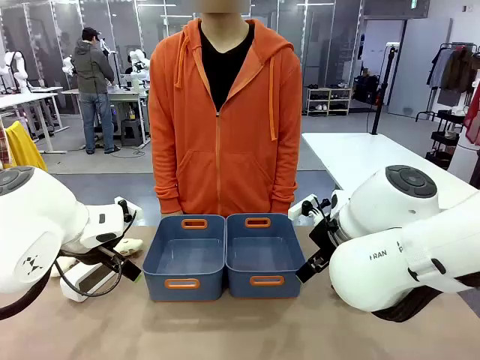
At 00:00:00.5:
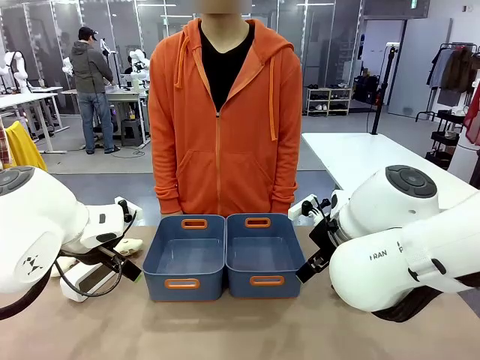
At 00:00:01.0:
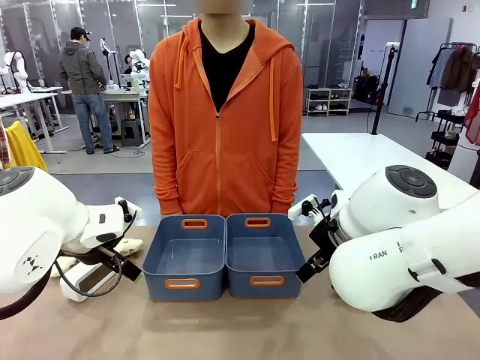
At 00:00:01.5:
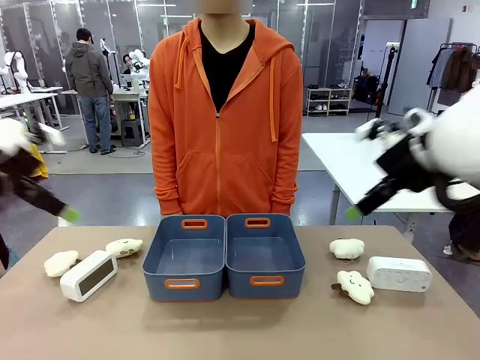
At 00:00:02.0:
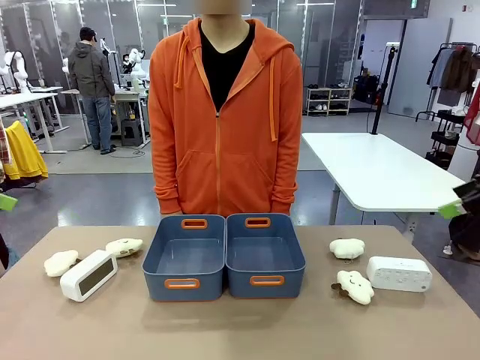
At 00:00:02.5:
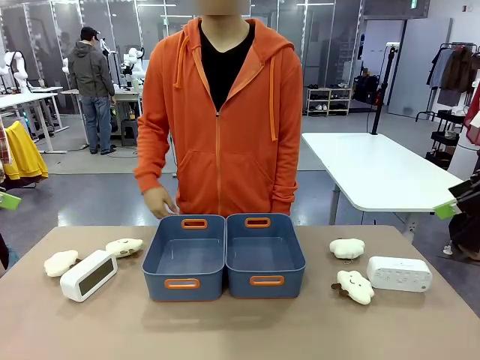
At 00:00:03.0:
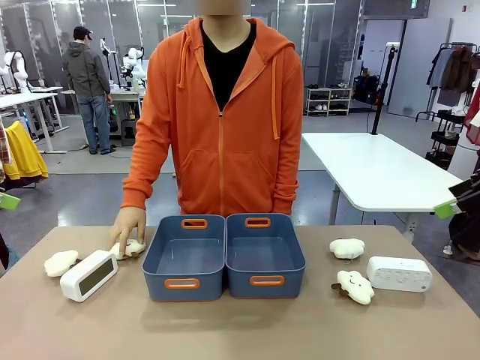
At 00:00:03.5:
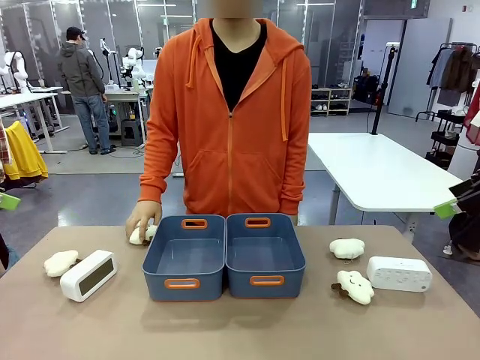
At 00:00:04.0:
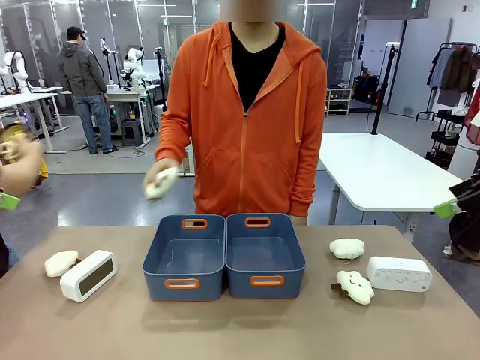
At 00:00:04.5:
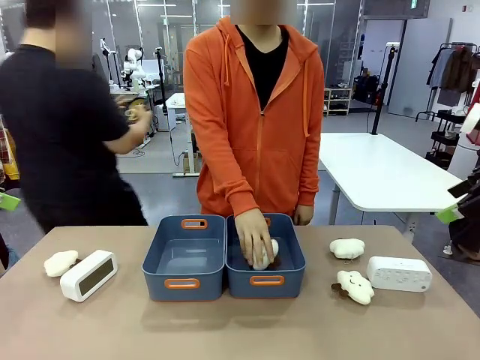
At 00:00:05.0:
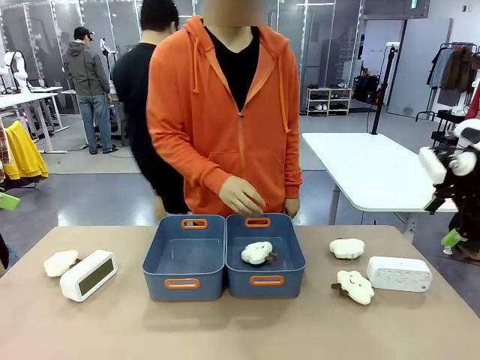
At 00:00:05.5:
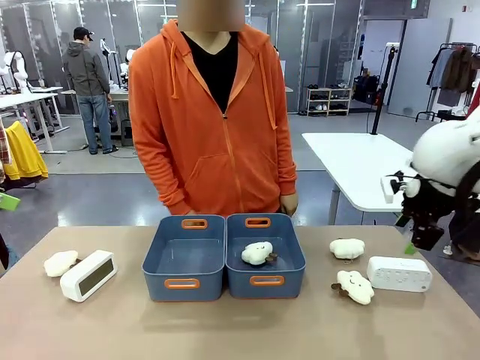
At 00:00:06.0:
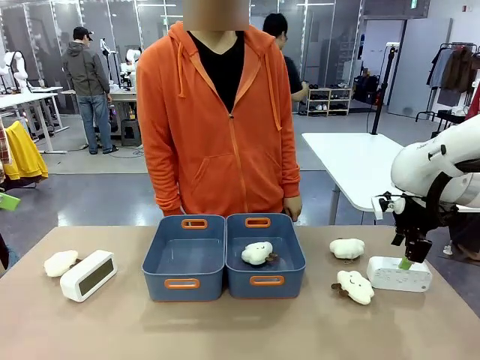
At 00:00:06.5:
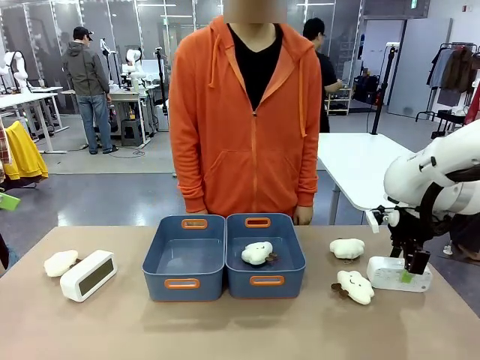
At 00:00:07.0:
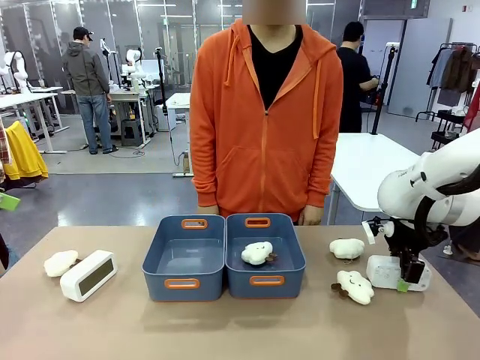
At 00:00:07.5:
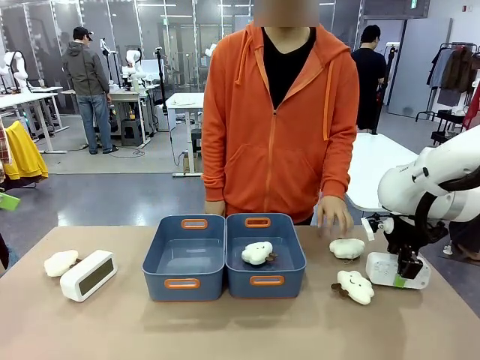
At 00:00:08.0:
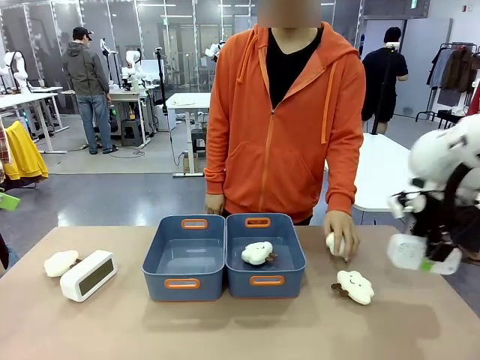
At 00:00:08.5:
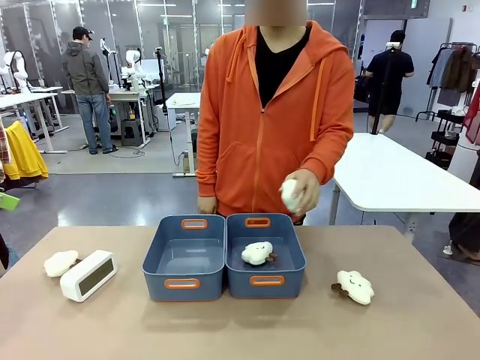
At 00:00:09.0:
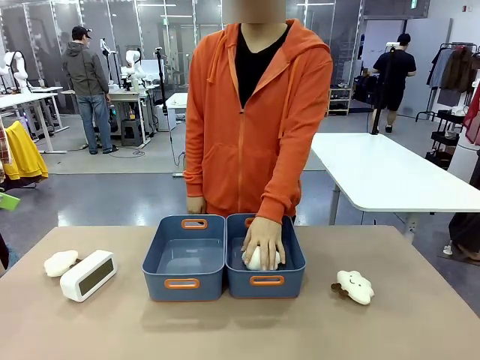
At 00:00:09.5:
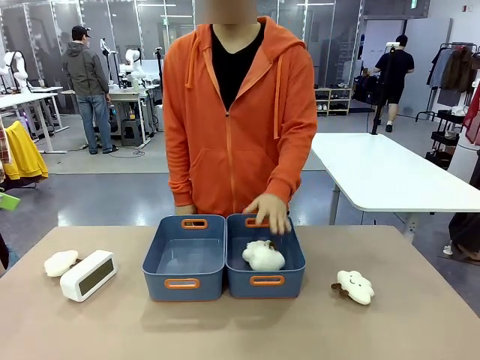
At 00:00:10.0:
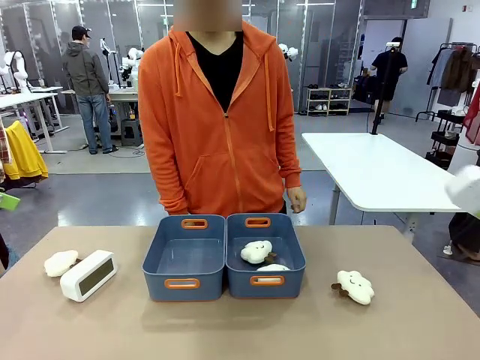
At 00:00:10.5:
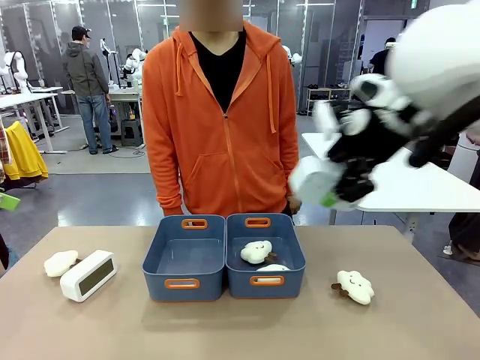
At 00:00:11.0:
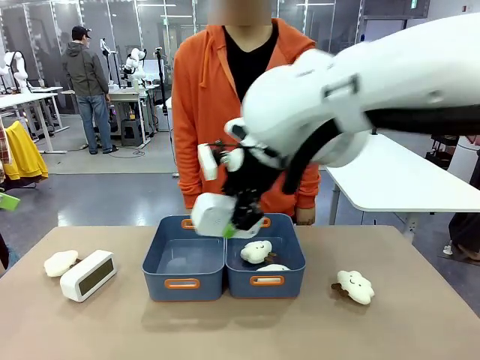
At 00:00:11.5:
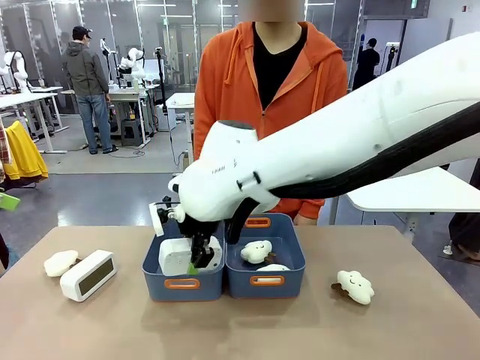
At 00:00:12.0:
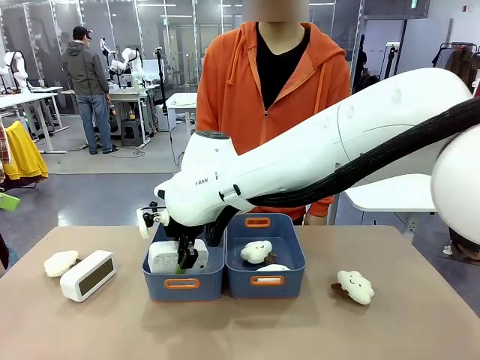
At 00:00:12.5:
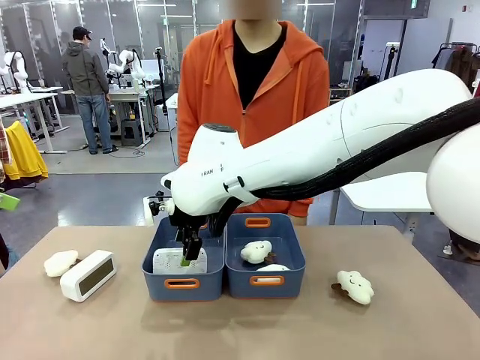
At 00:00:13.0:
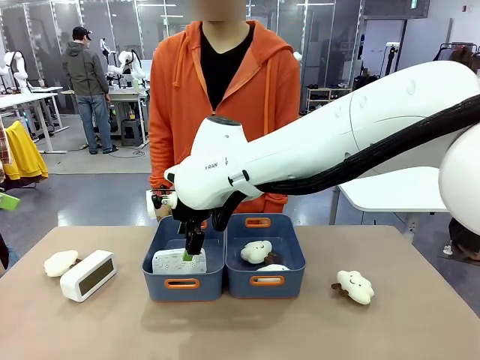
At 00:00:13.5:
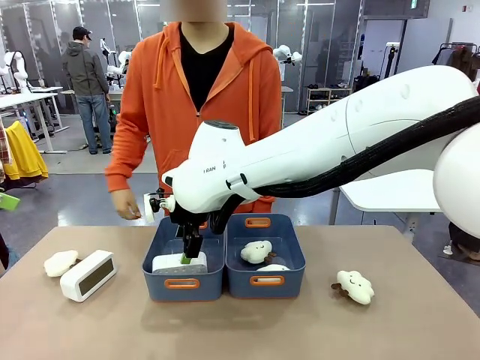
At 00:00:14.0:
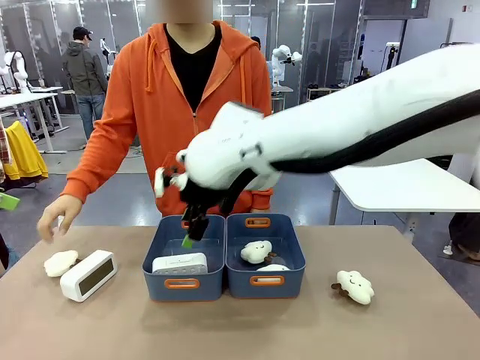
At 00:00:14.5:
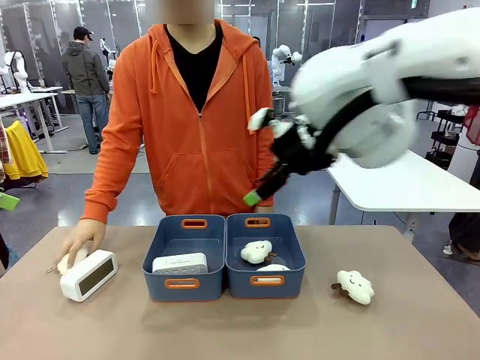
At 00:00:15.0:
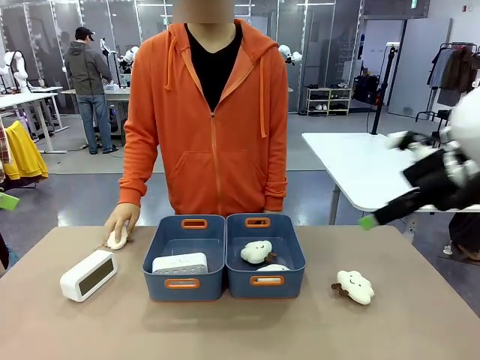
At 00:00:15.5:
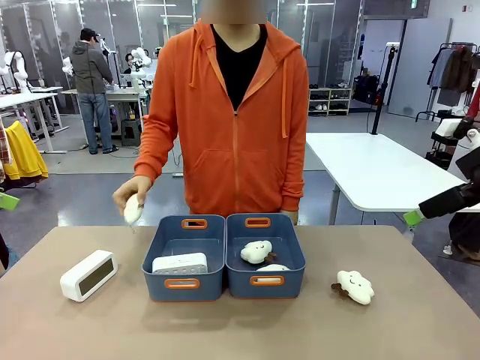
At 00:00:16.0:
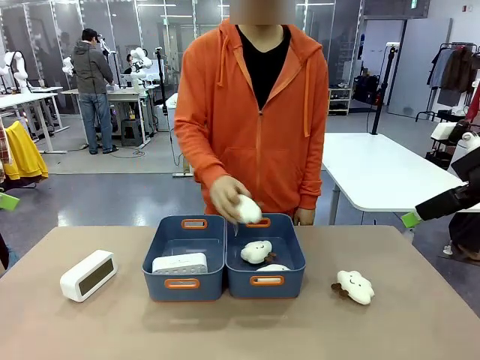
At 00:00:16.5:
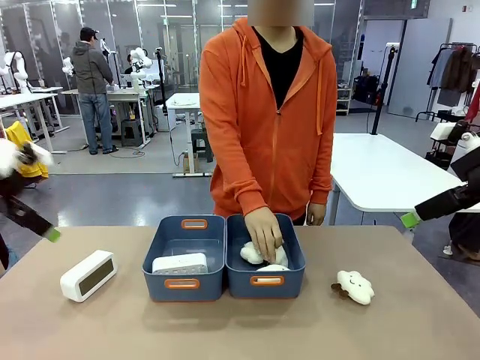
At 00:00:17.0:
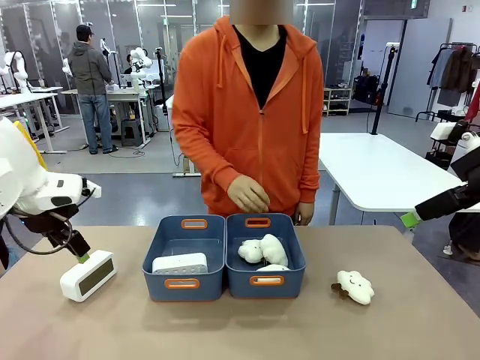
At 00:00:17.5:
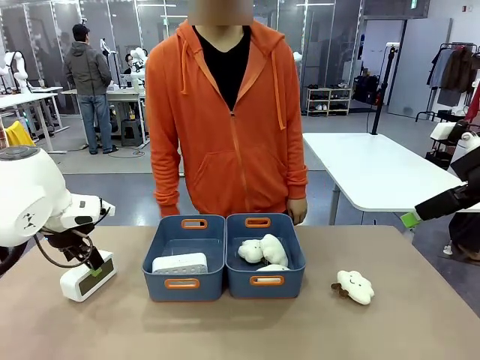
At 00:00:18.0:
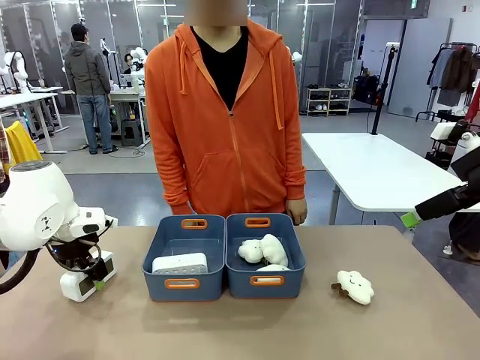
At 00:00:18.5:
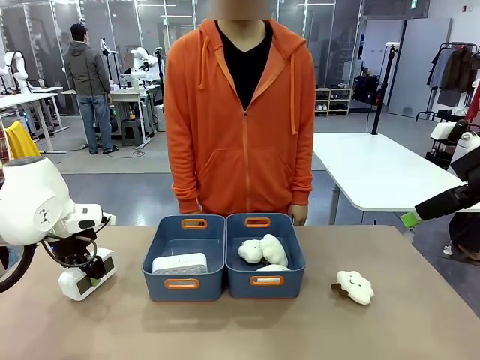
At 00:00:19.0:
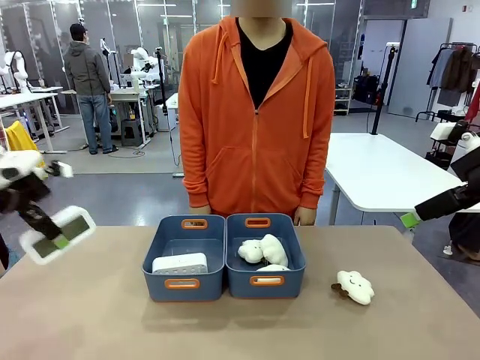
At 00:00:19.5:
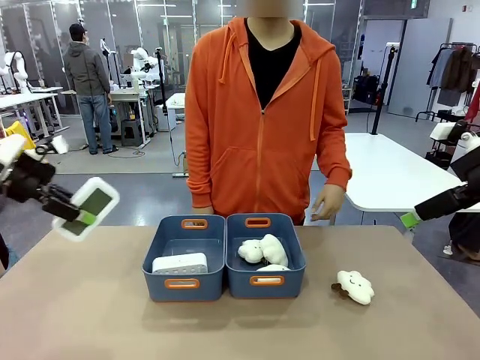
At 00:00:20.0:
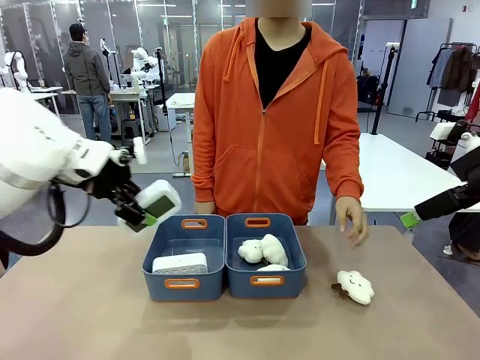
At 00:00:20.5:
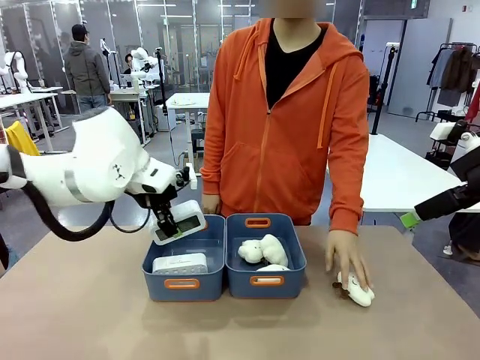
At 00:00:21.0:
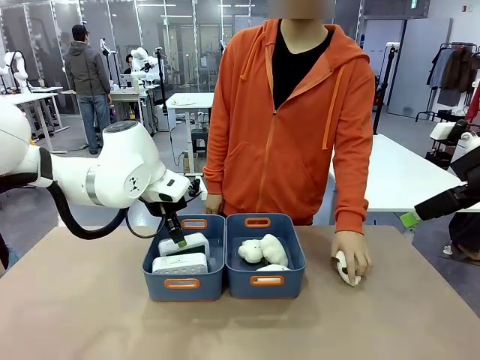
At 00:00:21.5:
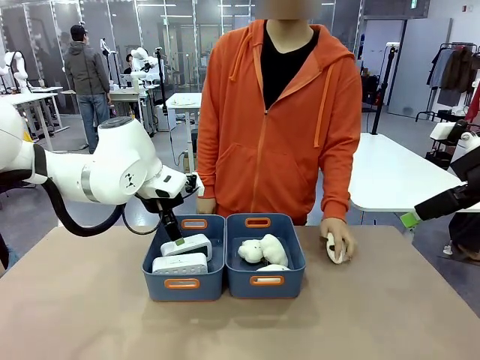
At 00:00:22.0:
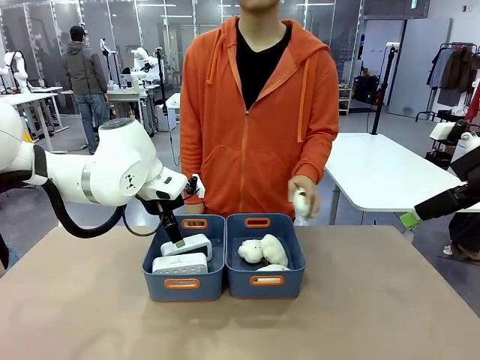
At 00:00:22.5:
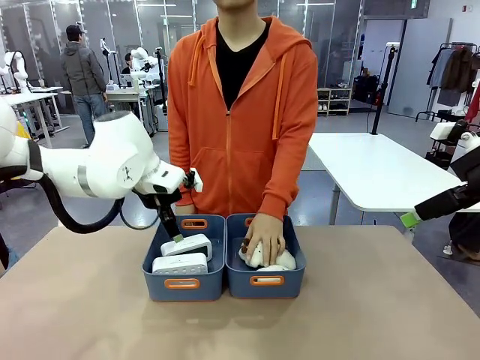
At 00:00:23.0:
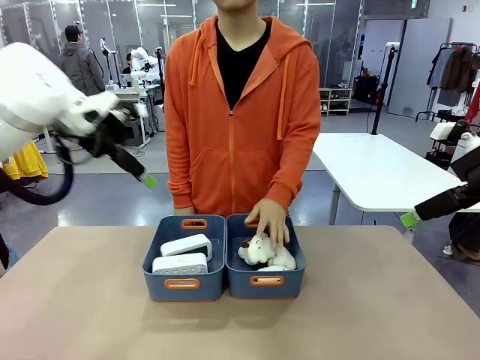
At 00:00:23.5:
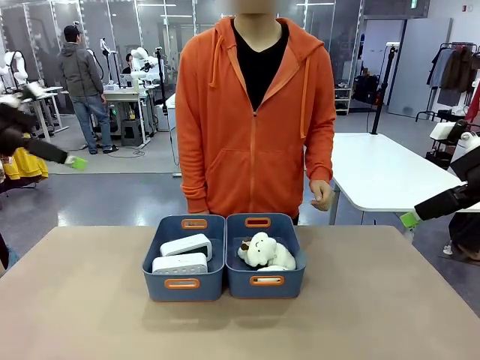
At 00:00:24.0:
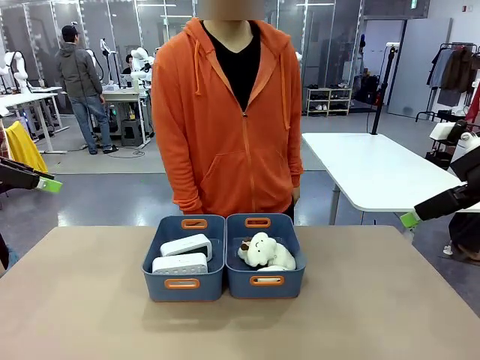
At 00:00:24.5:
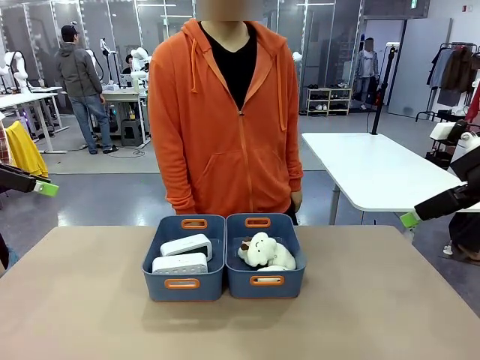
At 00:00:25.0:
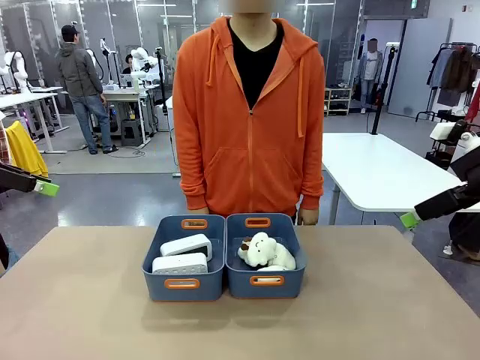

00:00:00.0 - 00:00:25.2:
Task: Sort the digital clocks into the basket.
Robot: Pick up the Digital clock from the table and place it into the empty Plastic storage basket.
Person: Pick up a plush toy from the table and place it in a plastic storage basket. Pick up a plush toy from the table and place it in the plastic storage basket containing the plush toy.
